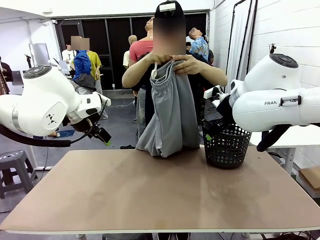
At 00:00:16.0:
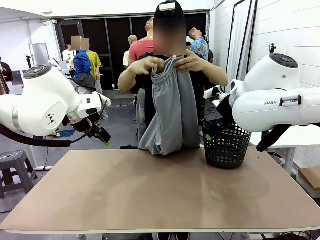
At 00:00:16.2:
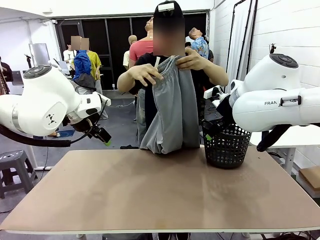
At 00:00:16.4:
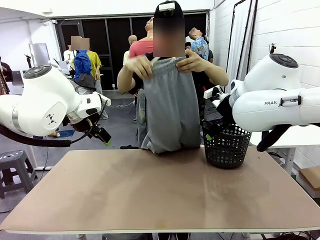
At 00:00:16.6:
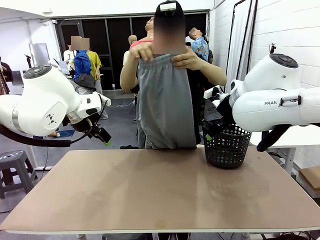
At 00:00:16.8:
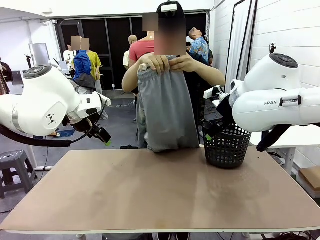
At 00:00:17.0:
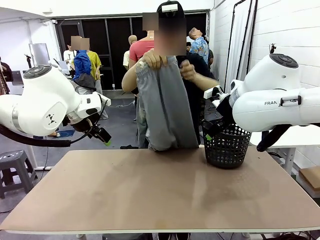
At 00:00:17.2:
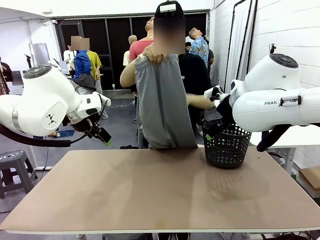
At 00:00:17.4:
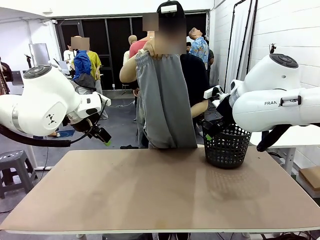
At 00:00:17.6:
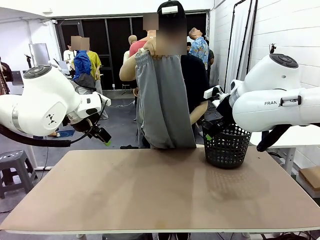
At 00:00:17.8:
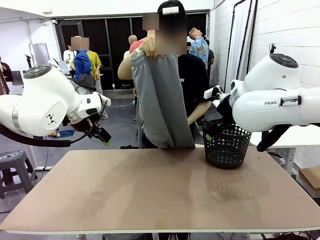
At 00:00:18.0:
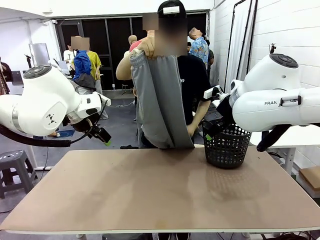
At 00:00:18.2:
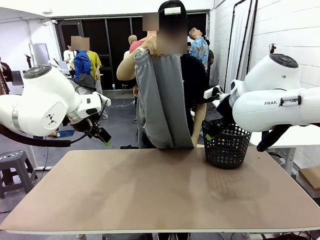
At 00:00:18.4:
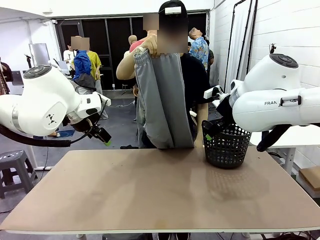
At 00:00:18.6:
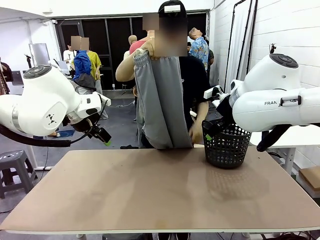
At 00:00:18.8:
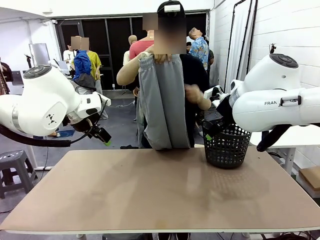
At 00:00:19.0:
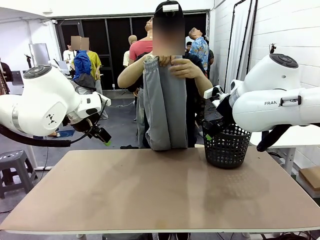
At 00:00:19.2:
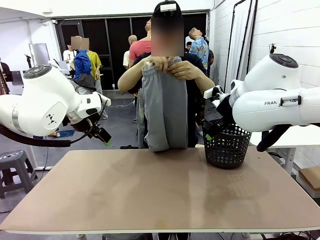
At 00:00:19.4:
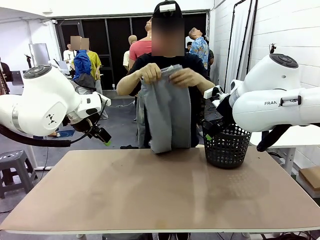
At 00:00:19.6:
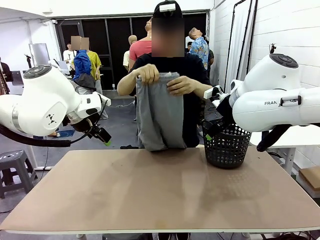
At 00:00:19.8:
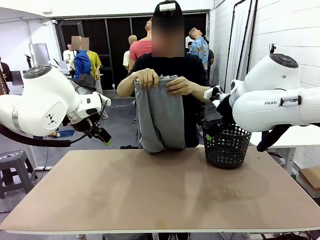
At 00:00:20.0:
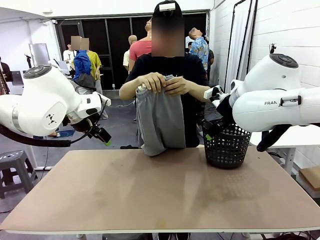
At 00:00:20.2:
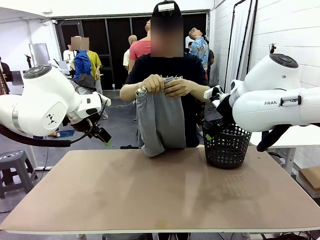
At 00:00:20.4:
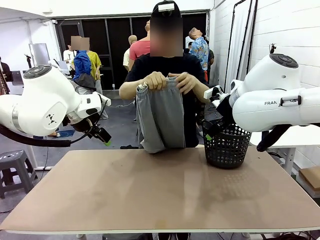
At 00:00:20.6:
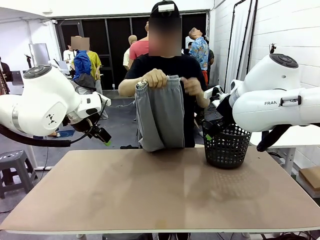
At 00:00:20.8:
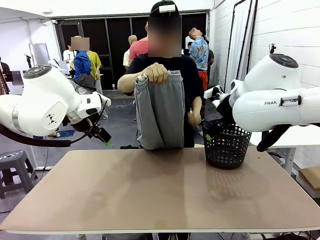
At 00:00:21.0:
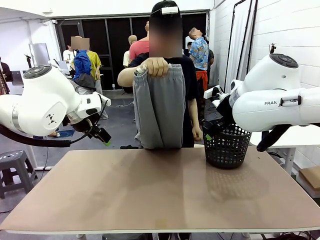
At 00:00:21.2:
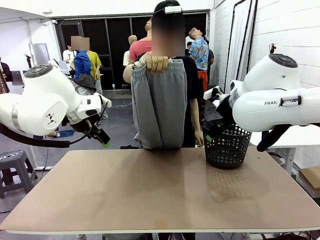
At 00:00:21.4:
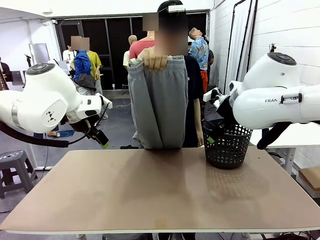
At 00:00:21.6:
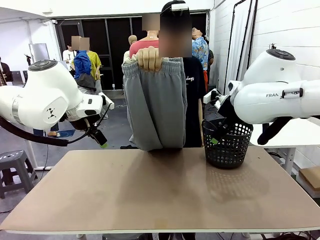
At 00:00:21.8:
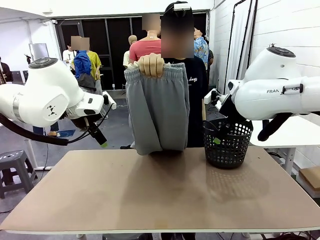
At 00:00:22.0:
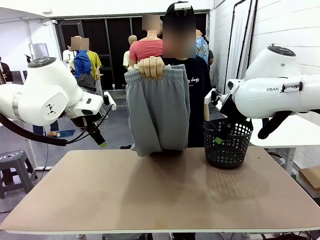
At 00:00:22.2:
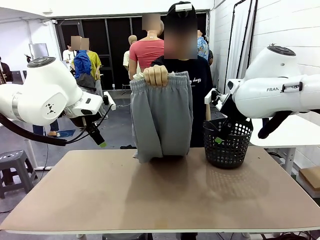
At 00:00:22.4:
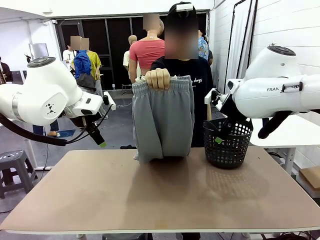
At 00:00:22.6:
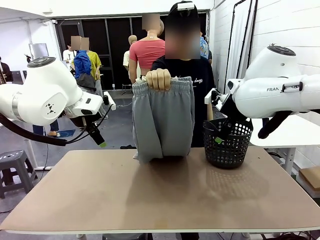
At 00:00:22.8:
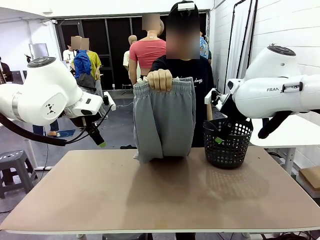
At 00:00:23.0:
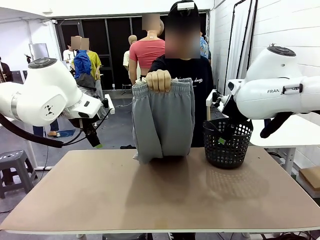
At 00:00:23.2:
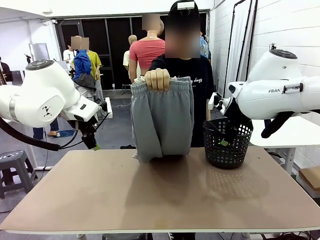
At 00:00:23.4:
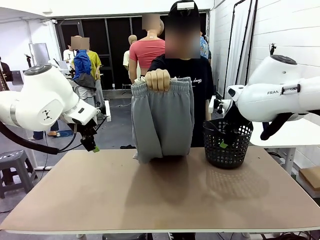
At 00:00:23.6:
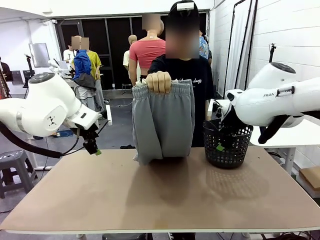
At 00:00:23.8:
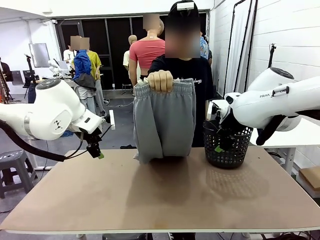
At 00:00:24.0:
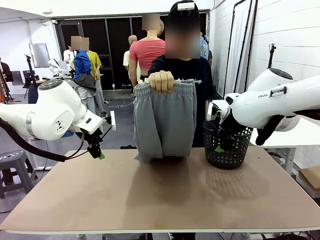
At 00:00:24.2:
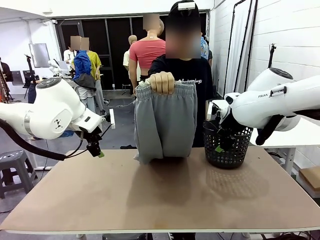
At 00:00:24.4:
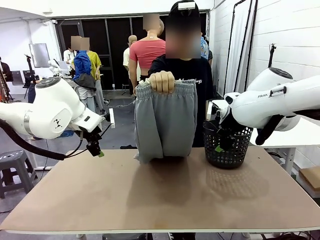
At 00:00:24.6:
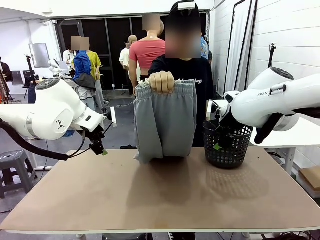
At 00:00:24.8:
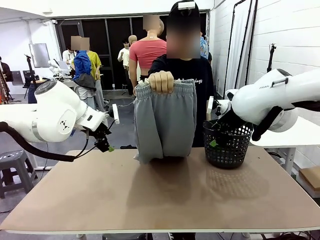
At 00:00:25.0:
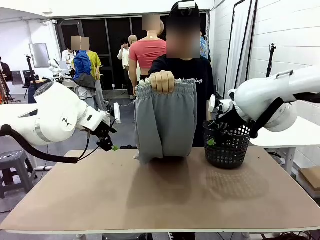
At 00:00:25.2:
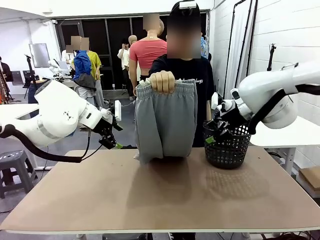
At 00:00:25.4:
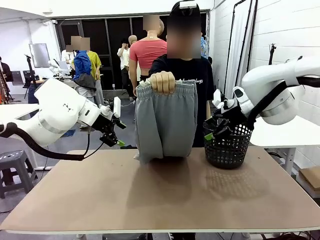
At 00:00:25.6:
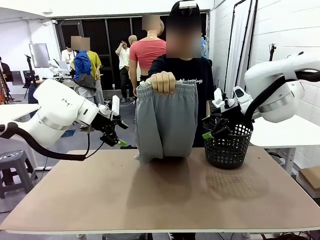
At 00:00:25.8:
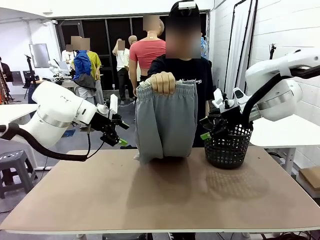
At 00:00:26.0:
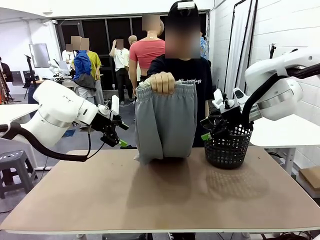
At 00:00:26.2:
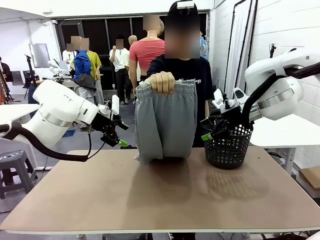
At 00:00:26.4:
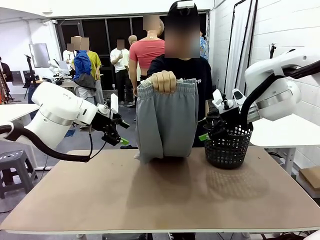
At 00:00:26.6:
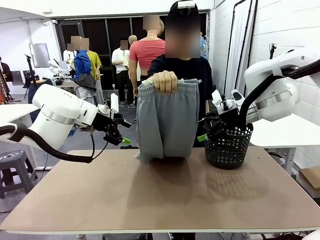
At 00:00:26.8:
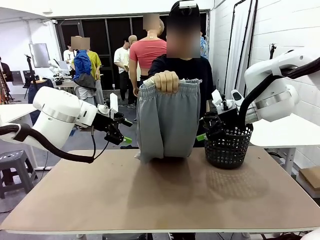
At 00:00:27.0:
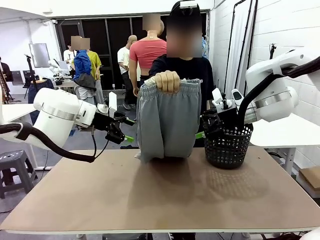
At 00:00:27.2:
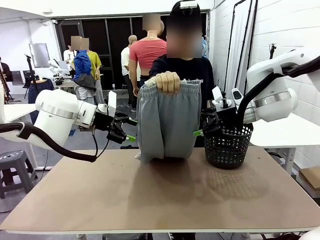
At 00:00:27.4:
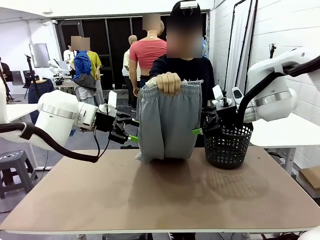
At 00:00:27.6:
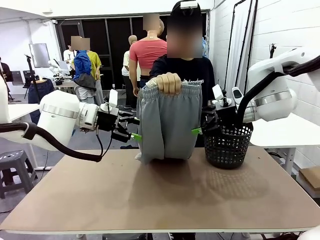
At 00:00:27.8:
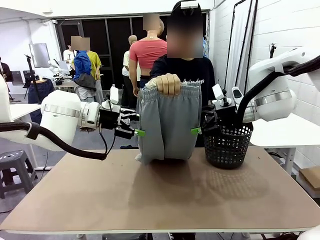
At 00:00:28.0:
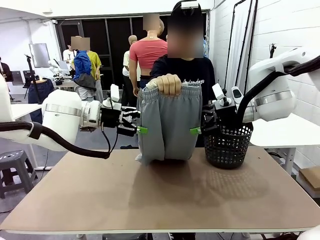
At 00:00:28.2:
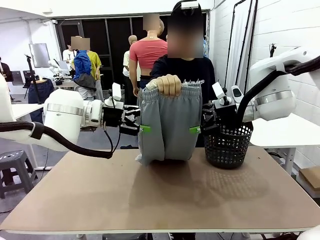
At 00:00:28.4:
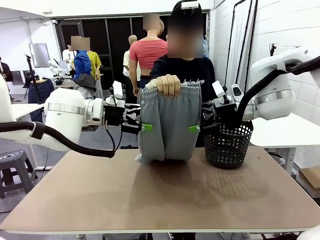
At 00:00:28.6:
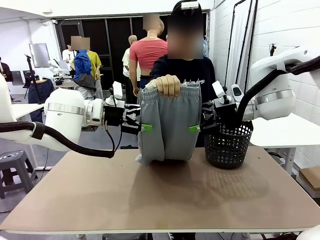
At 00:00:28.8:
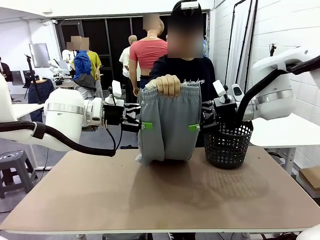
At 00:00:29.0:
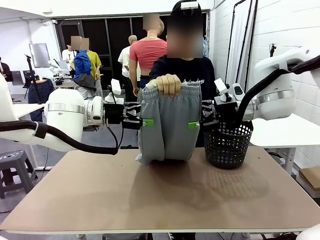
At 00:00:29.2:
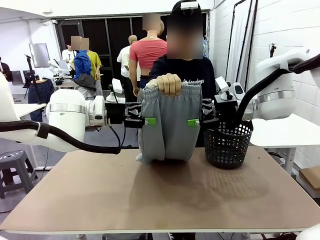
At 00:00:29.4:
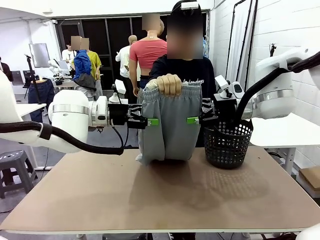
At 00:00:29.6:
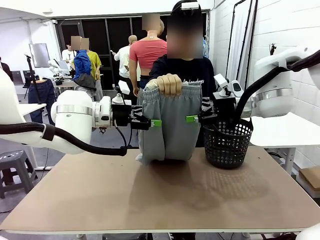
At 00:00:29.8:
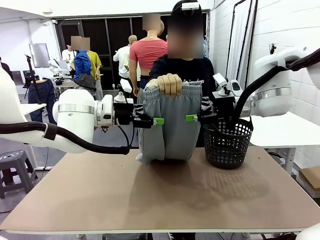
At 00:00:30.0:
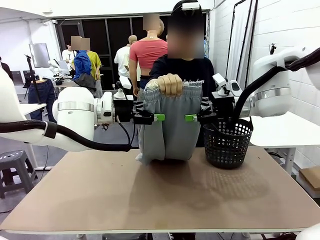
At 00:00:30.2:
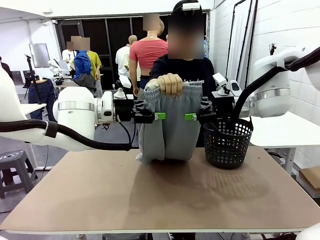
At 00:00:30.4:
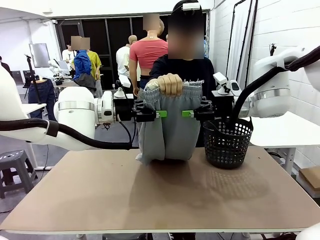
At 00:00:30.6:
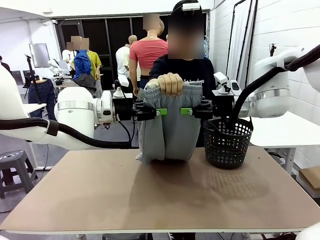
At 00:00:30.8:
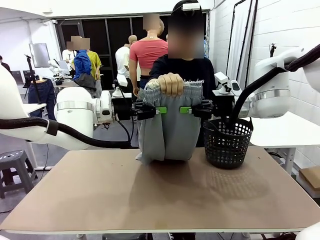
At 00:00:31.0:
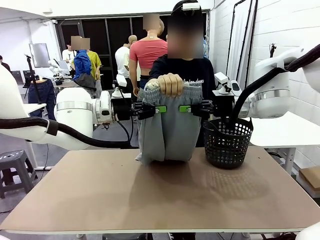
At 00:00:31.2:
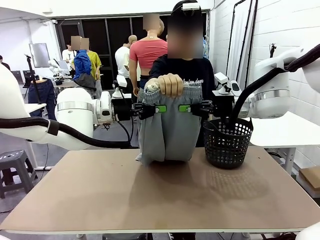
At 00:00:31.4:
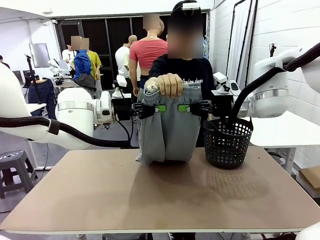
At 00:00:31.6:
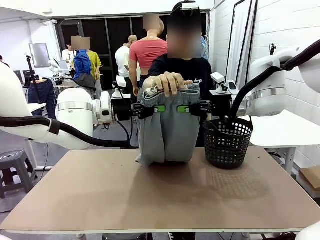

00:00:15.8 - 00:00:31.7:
Task: Fold the training pants.
Robot: Grab both ends of the Training pants handed by a person.
